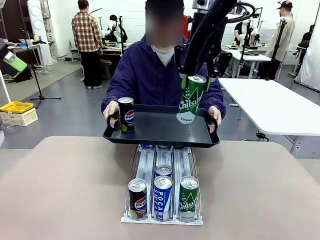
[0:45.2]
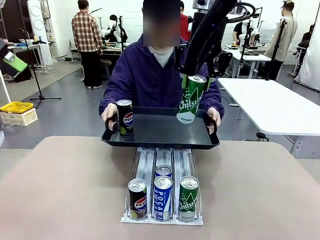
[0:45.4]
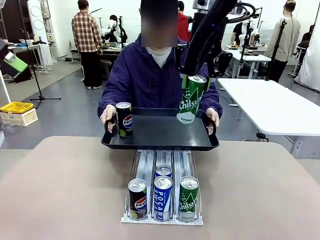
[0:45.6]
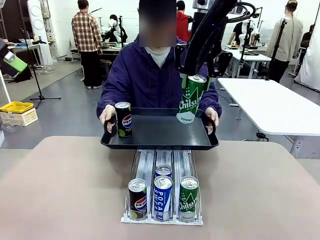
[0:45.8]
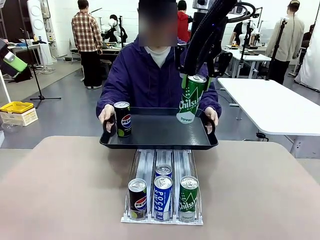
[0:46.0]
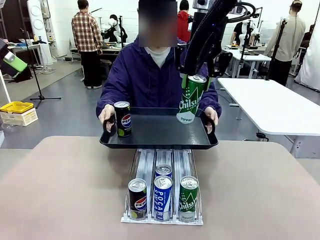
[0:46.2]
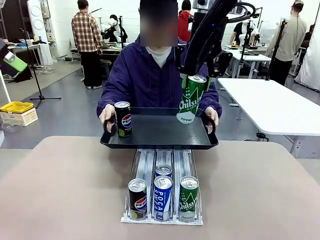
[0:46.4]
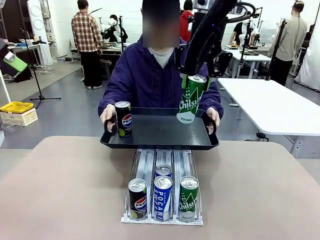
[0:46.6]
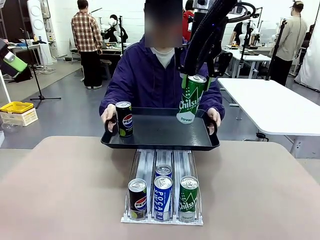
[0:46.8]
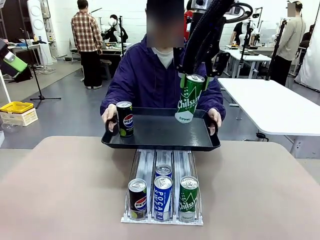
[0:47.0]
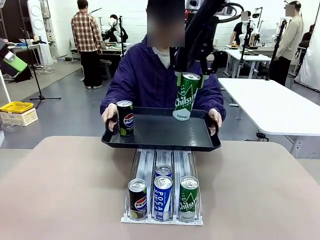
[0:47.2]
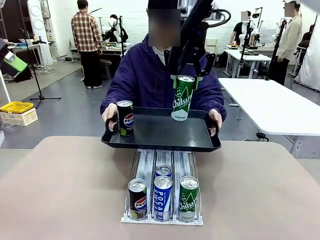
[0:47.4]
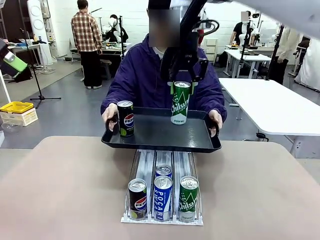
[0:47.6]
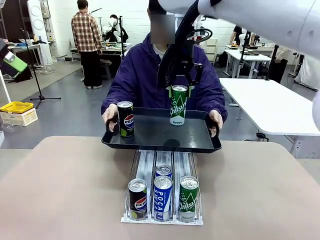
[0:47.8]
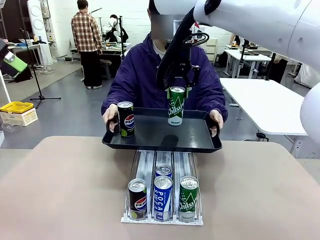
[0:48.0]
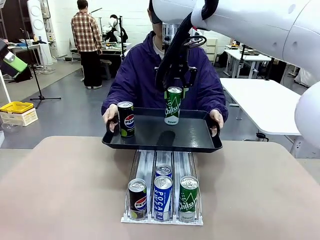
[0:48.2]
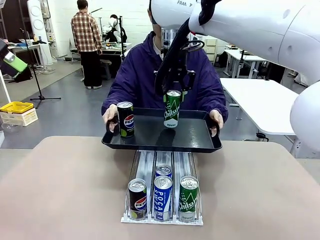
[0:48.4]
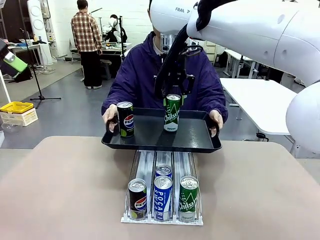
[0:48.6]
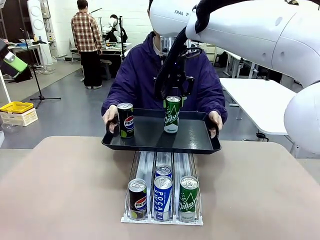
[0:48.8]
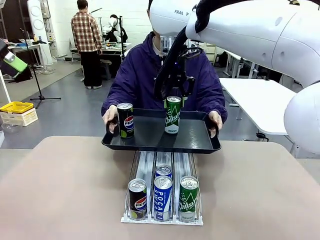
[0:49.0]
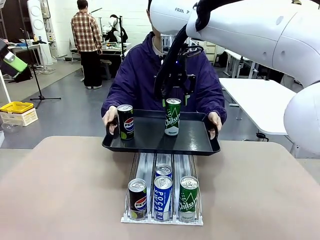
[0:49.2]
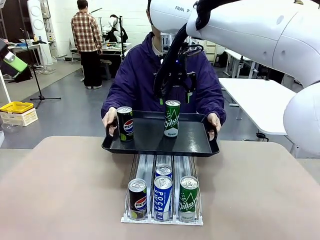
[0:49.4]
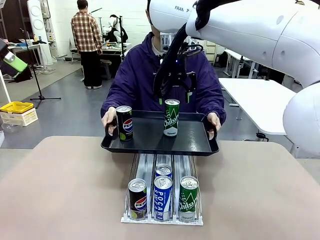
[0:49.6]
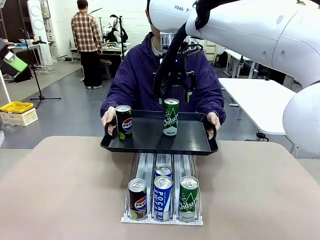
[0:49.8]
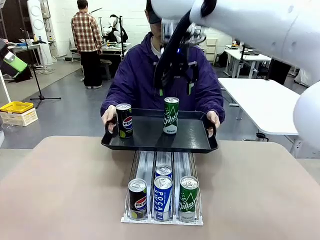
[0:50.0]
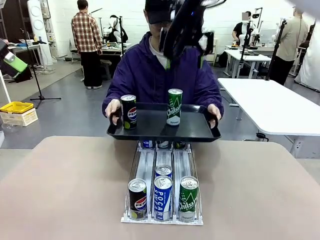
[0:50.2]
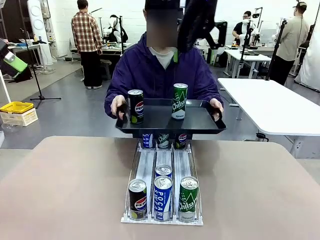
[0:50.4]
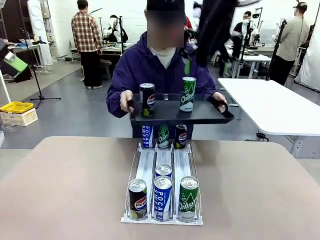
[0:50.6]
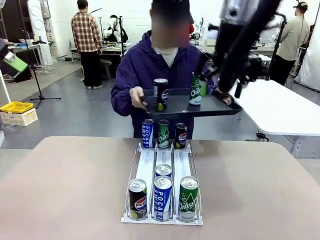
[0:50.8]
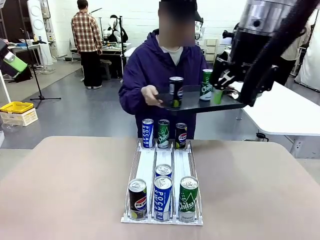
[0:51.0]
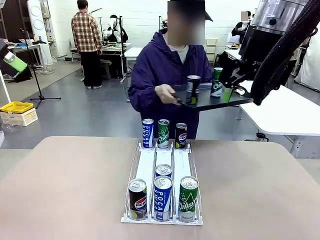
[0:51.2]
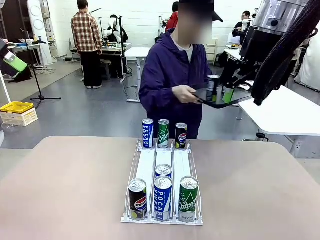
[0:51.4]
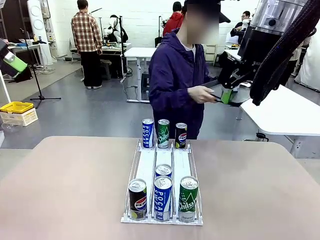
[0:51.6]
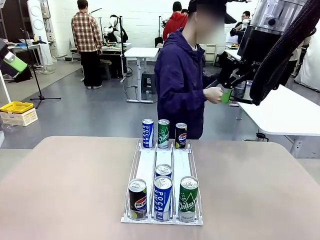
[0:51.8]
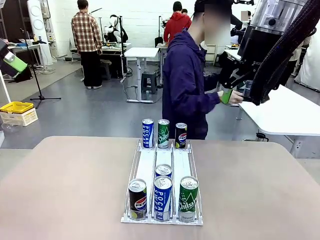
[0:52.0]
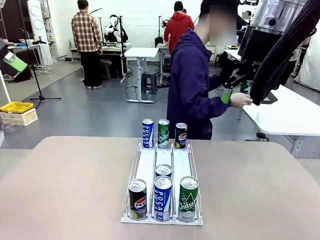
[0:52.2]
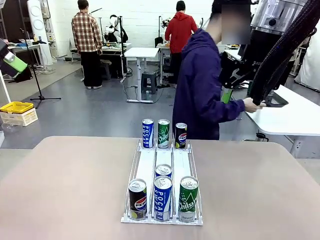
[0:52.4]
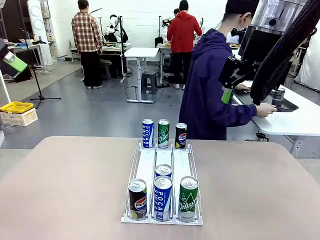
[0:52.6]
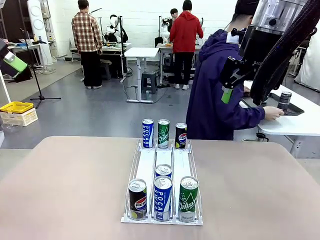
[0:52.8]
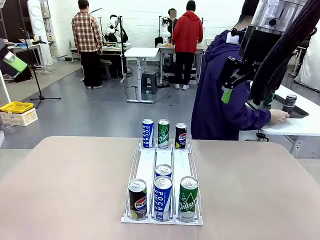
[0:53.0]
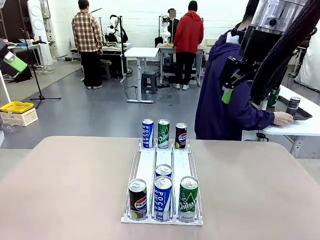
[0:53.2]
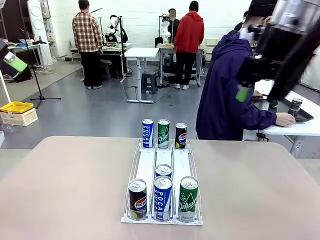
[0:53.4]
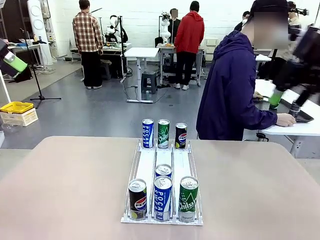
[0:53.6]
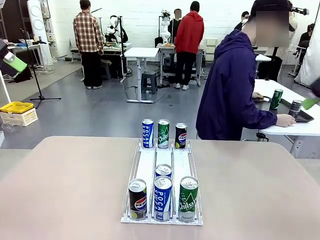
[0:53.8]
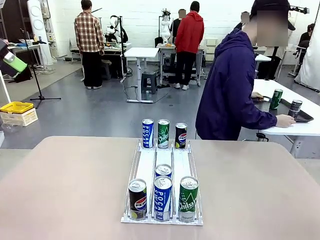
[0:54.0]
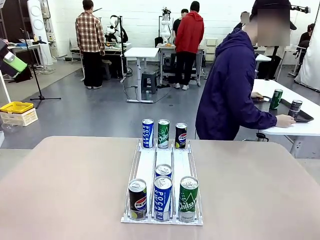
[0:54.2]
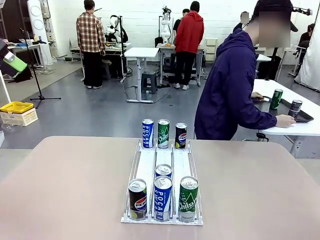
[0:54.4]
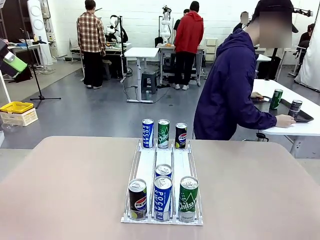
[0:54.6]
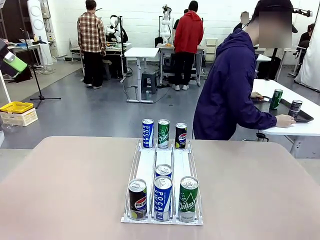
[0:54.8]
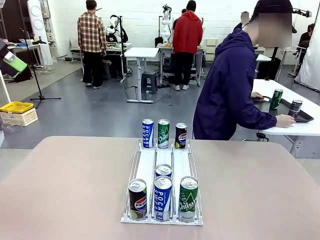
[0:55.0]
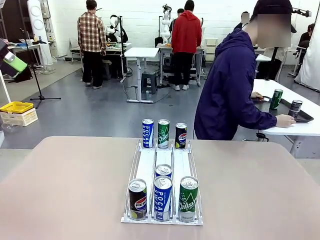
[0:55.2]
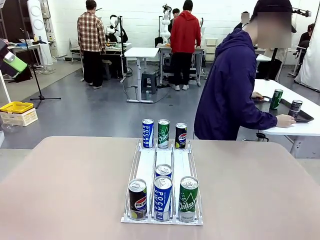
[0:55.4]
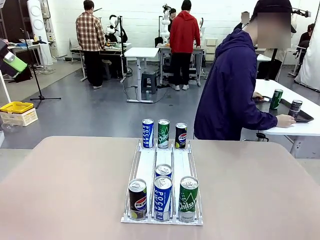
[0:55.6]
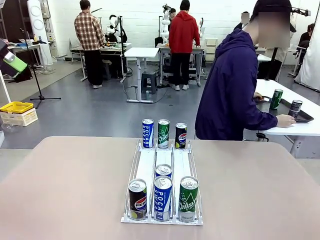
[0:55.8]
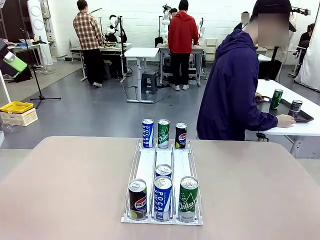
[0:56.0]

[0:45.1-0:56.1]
Task: Retrieve and hand over the desired beverage to the person.
Robot: Place the picked can on the Handle tray extended by the person.
Person: Pull the tray back and place it at the center of the human table.

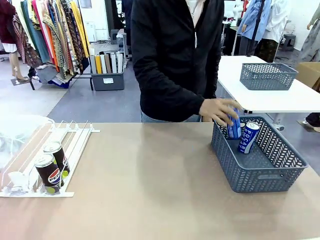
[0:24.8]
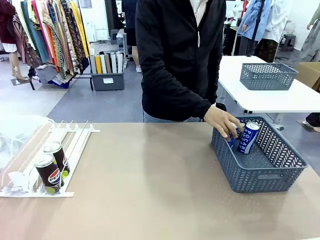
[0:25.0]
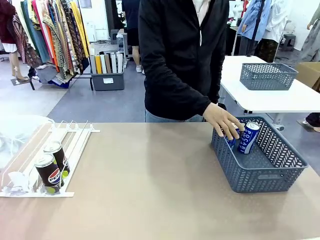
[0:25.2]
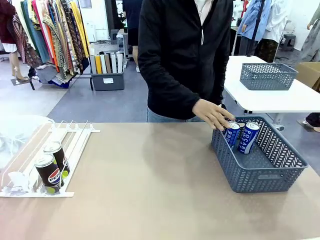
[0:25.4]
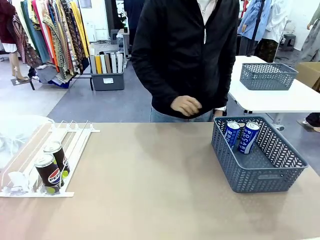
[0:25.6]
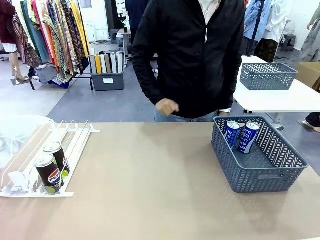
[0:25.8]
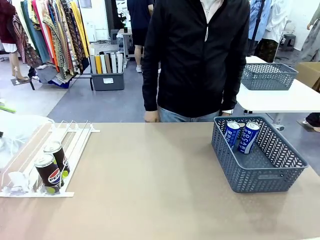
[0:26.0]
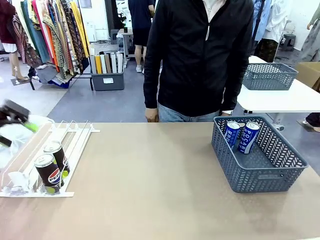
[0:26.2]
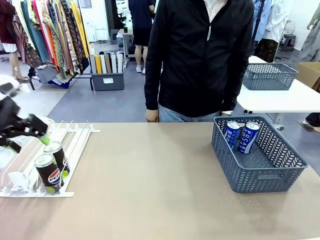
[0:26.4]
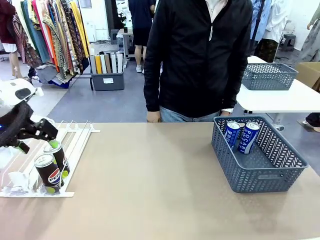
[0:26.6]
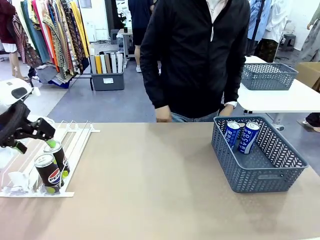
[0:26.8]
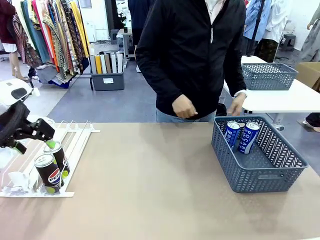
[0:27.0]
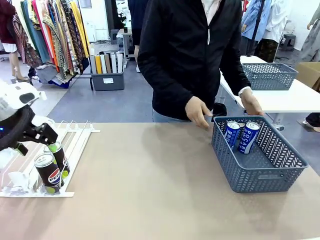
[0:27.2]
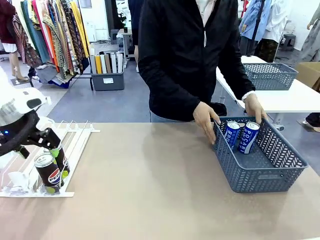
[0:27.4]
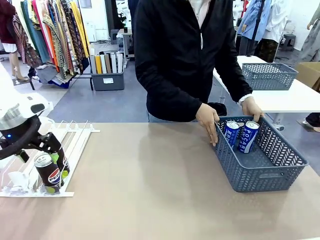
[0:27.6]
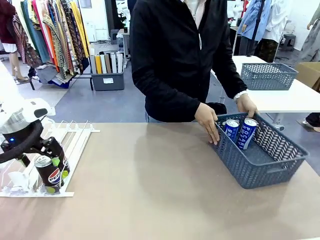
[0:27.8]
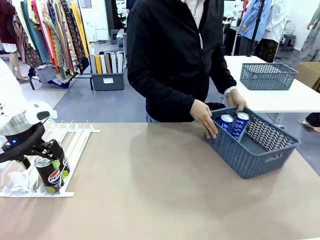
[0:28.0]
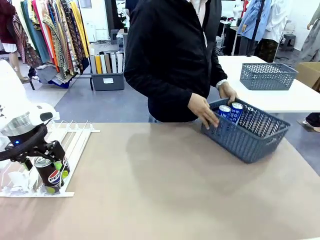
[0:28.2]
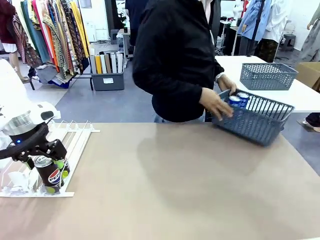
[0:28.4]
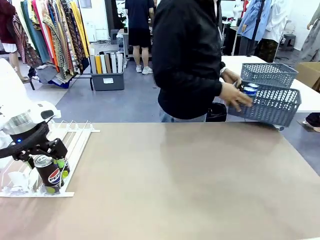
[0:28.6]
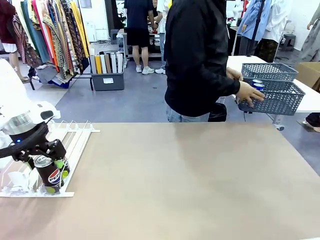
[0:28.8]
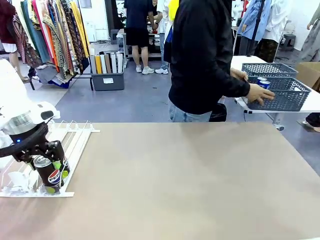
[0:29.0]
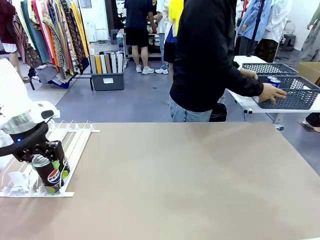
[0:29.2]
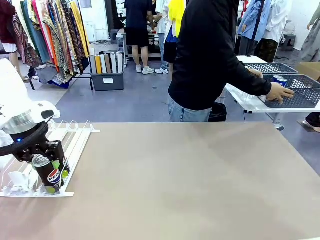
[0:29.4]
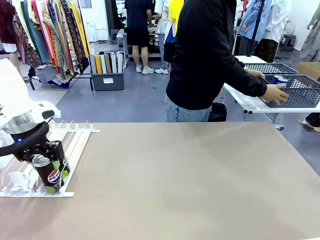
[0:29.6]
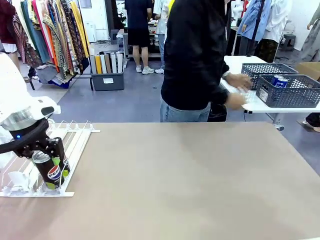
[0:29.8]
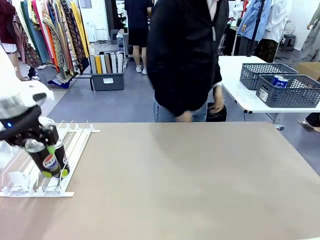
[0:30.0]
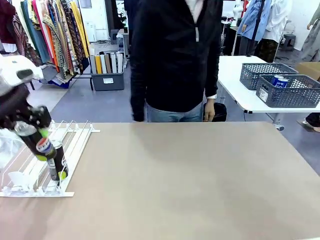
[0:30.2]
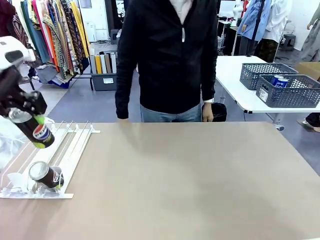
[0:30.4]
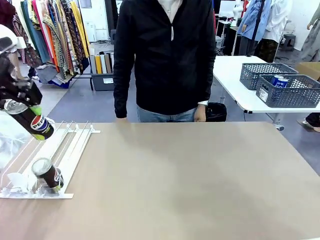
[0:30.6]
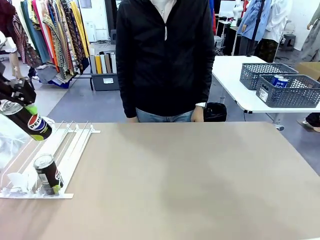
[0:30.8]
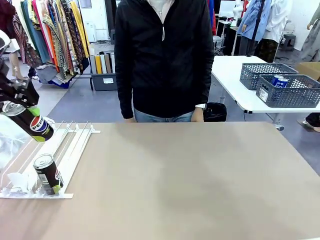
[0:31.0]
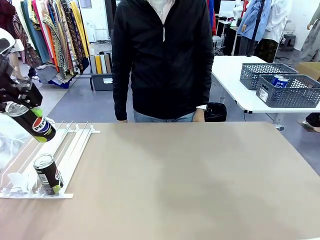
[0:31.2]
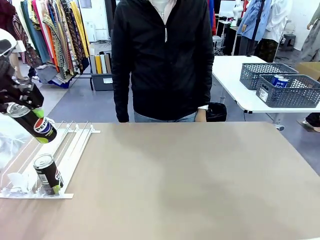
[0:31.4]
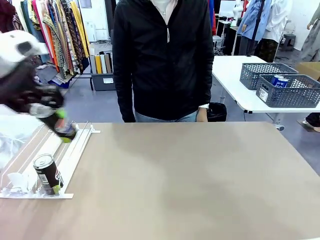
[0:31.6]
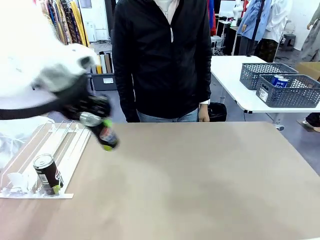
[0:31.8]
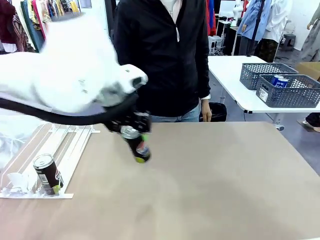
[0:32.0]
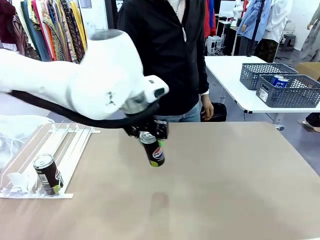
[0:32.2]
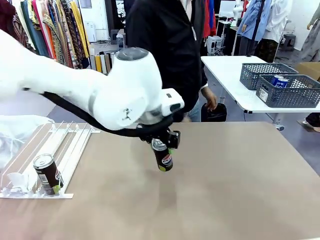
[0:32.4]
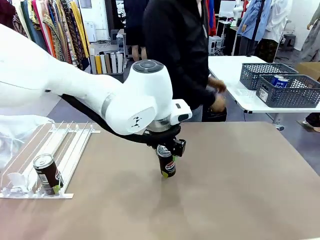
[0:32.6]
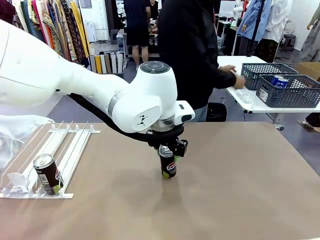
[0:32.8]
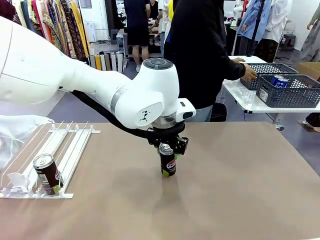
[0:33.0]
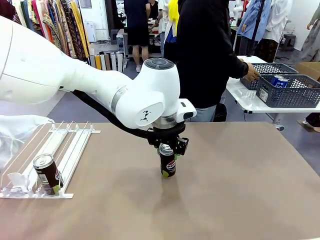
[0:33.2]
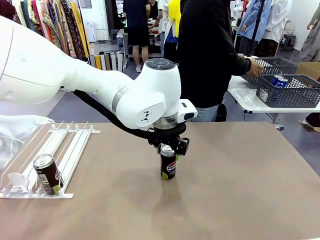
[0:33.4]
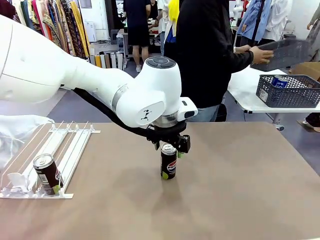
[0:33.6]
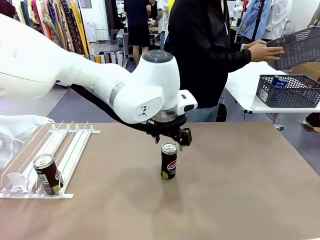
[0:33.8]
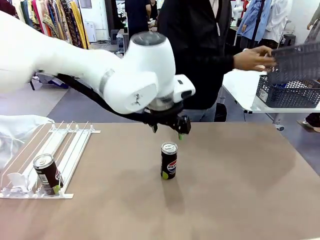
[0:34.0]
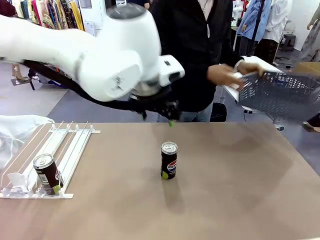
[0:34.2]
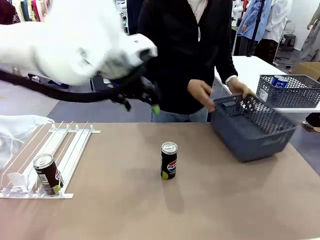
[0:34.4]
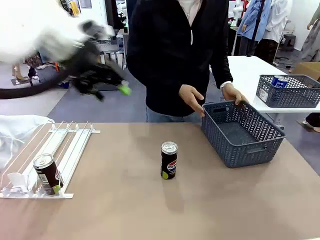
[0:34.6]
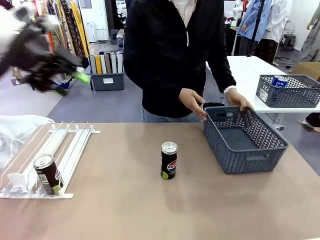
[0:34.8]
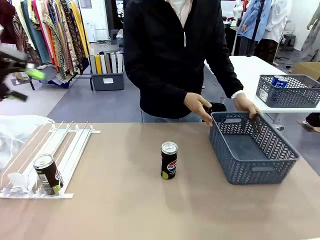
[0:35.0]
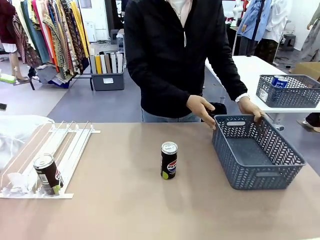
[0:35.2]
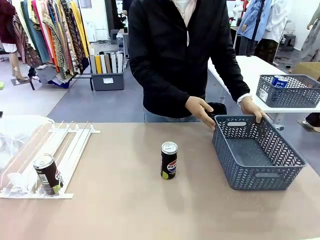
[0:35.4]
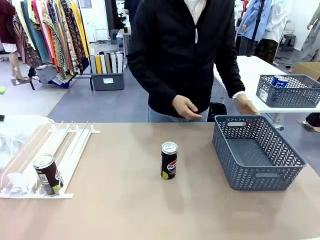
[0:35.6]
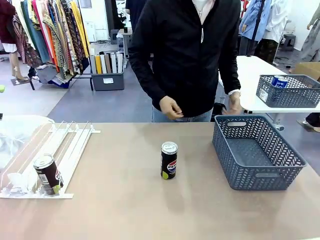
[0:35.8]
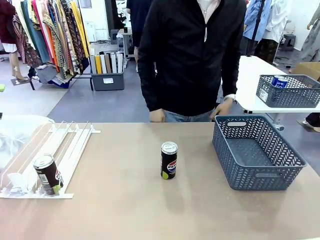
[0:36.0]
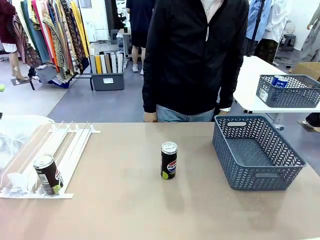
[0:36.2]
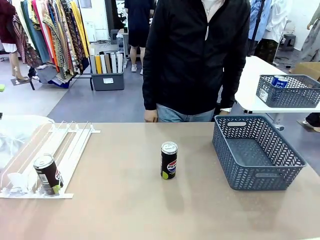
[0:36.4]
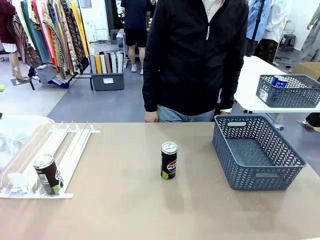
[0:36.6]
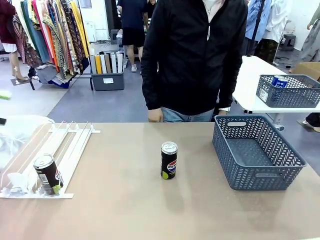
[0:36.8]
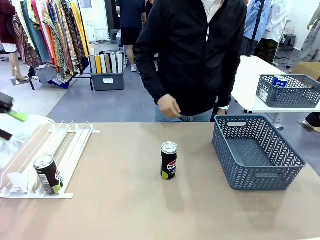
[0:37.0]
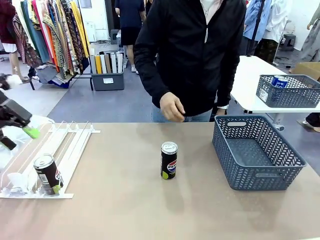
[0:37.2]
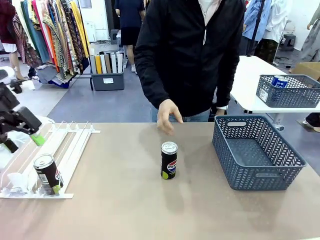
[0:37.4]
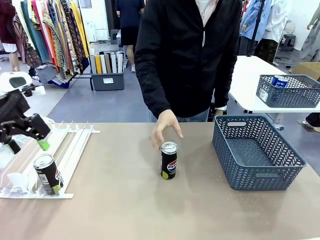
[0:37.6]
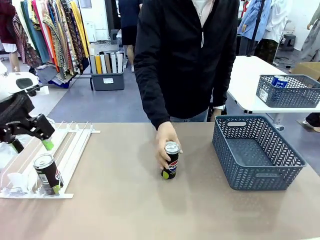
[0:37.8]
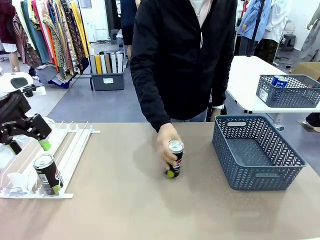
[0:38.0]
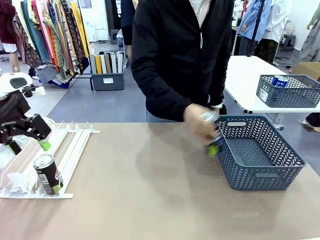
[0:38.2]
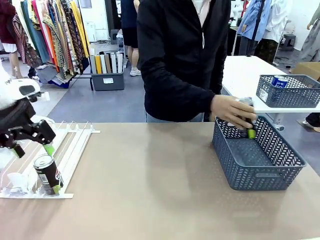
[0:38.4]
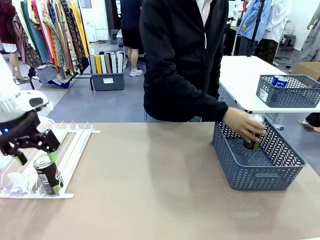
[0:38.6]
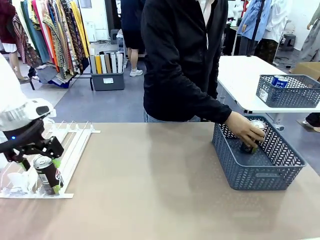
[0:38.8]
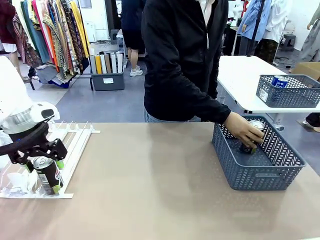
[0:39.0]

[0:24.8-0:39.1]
Task: Retrieve and store the cans from the dispenser.
Robot: Pick up one can from the Automatic Can Dispenser and place it in the middle of the table.
Person: Pick up the basket and place it in the middle of the human table. Pick up the empty basket and place it on the left side of the robot table.
